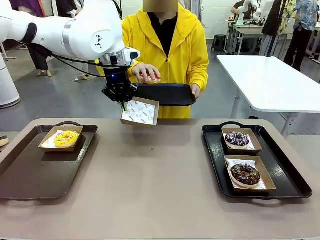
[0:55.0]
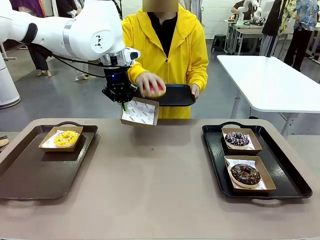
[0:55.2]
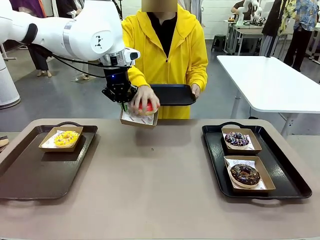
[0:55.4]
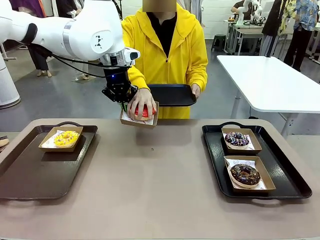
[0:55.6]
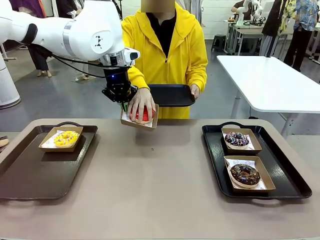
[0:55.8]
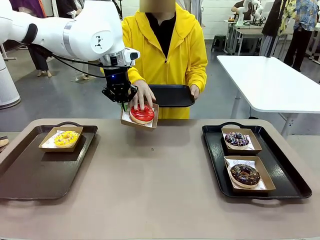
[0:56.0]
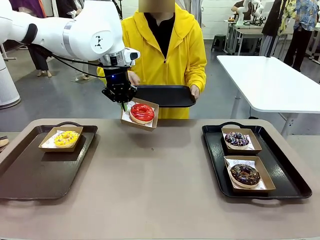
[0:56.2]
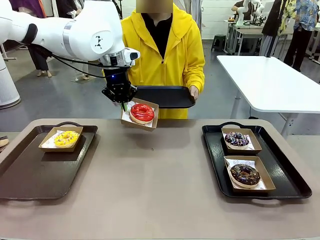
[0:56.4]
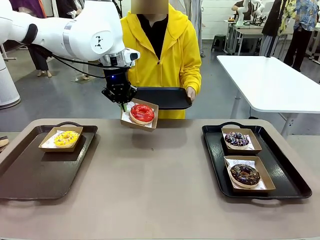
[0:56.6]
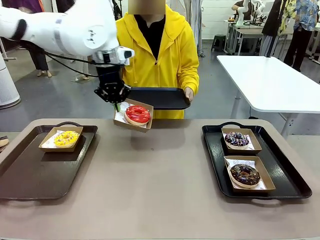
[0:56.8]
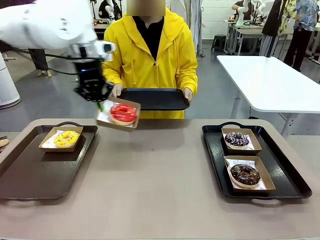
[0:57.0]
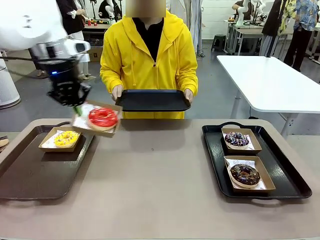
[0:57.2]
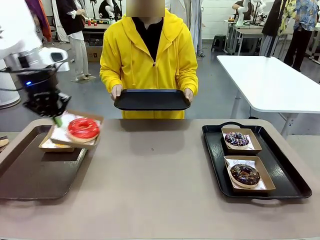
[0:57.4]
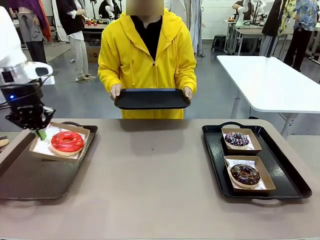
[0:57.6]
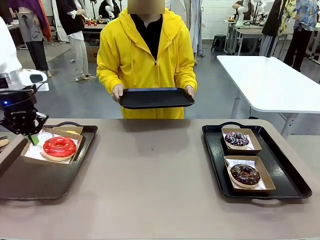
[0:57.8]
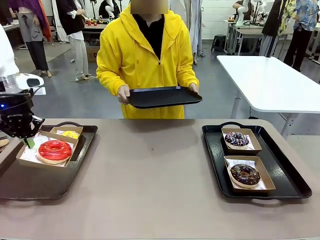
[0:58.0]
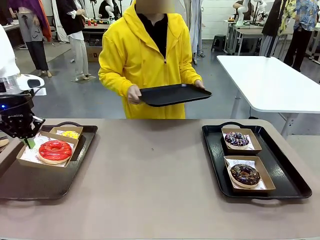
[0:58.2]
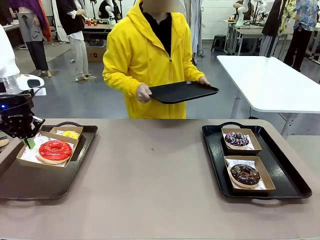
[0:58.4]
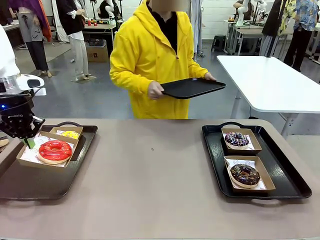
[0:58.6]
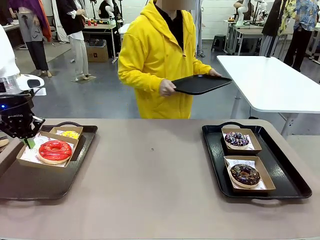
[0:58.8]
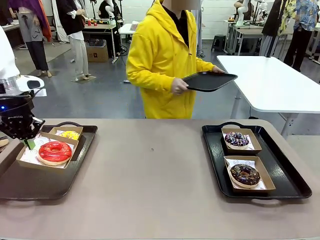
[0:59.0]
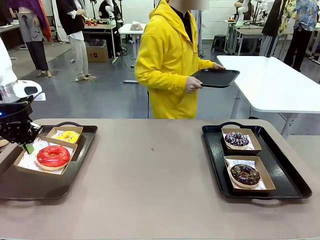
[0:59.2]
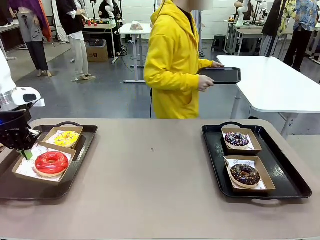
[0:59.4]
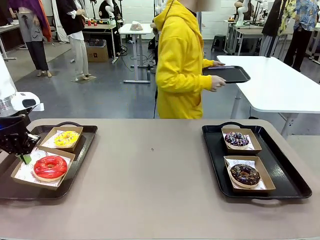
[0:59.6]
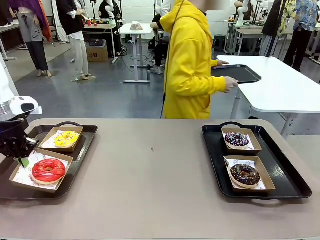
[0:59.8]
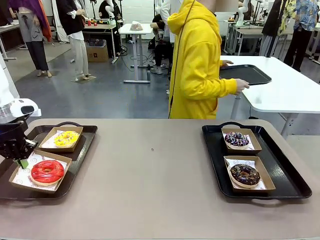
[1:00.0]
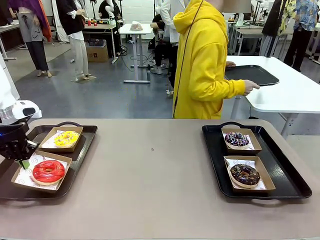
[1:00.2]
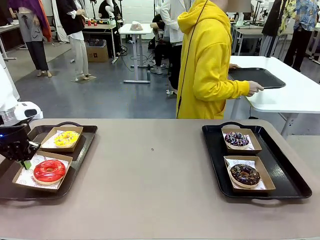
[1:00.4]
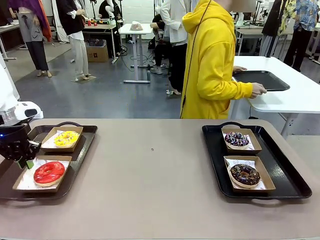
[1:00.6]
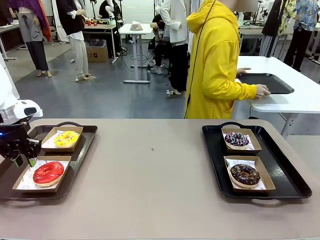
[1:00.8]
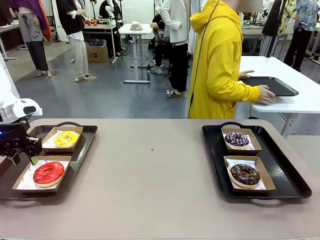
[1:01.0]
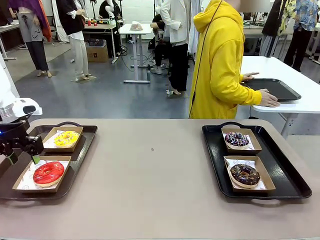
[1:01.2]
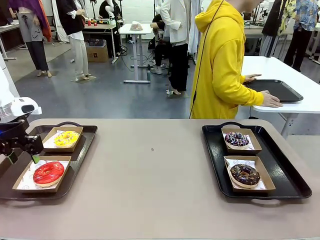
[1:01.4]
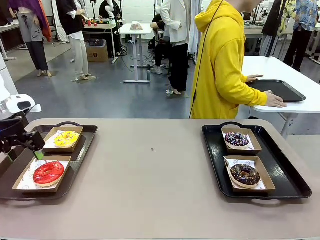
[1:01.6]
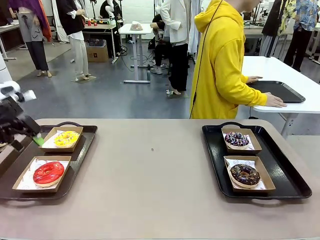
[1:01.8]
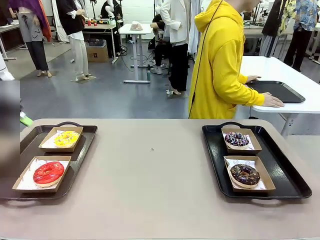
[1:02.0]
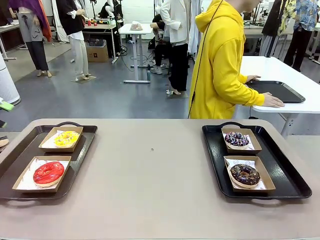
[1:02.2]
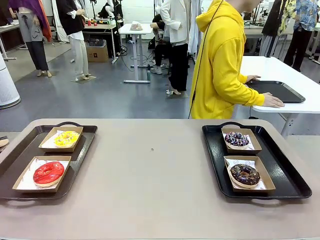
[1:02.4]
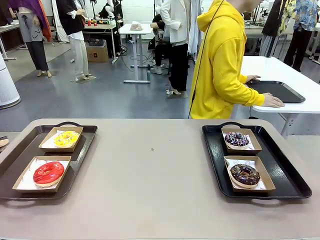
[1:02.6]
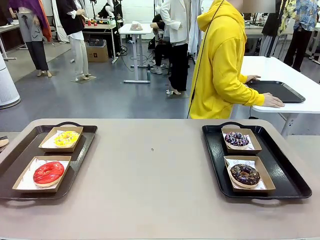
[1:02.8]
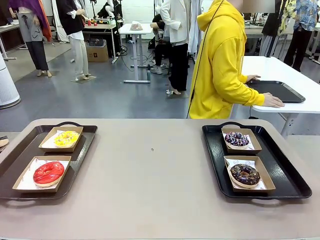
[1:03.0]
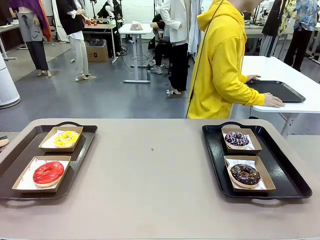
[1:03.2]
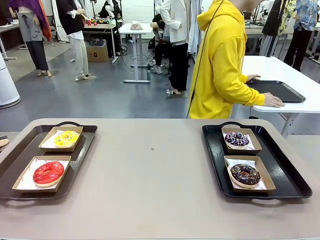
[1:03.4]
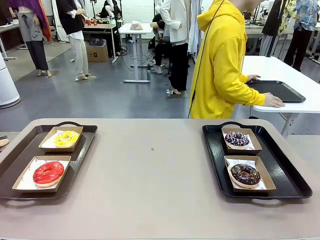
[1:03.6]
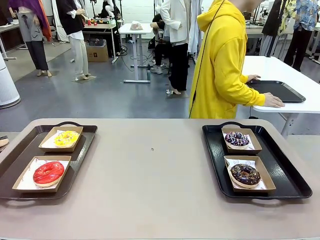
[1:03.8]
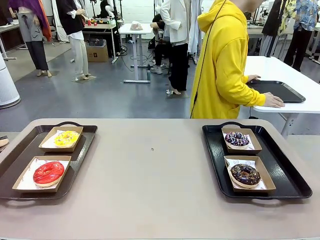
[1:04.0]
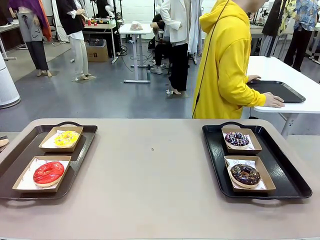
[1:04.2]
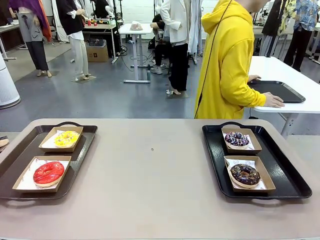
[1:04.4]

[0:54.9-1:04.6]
Task: Individually package the donuts and arrange them on the tray.
Robot: Place the picked Paper togo box on the Handle tray.
Person: Place the tray down in the middle of the human table.

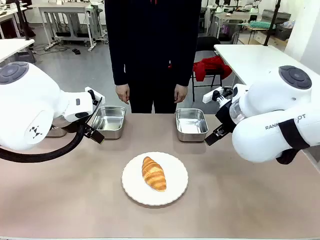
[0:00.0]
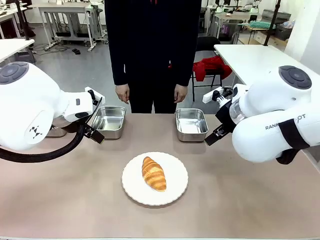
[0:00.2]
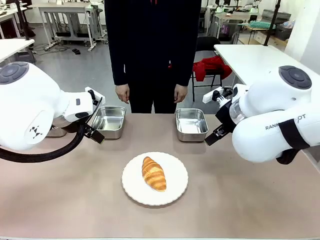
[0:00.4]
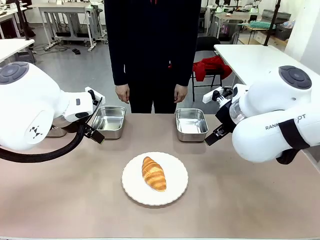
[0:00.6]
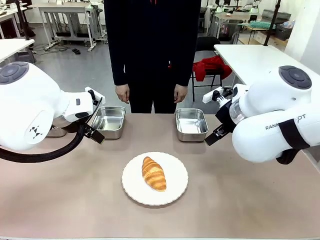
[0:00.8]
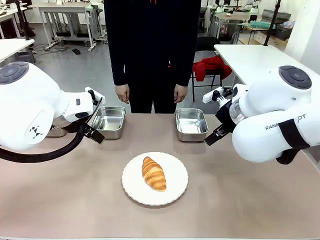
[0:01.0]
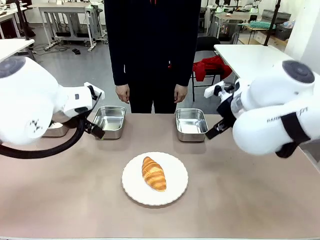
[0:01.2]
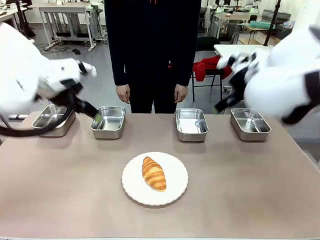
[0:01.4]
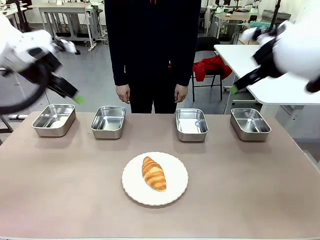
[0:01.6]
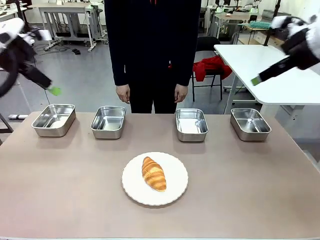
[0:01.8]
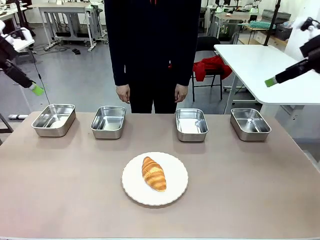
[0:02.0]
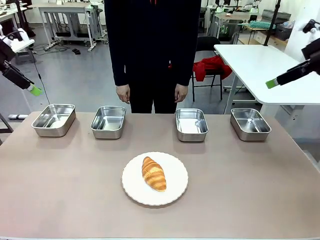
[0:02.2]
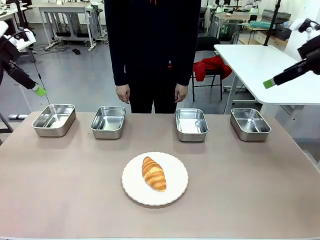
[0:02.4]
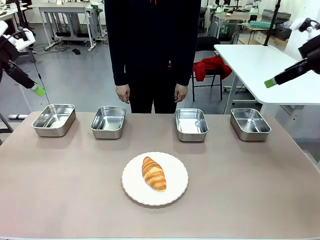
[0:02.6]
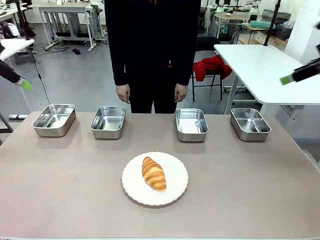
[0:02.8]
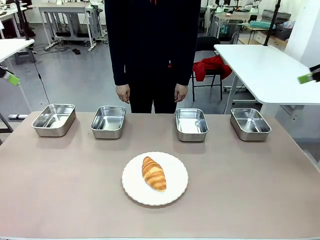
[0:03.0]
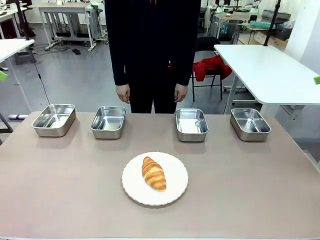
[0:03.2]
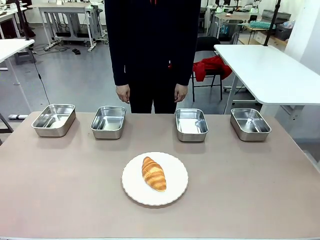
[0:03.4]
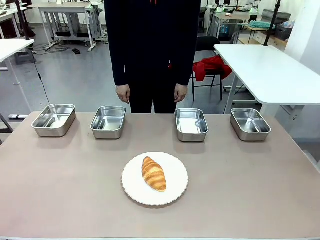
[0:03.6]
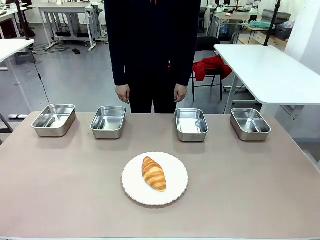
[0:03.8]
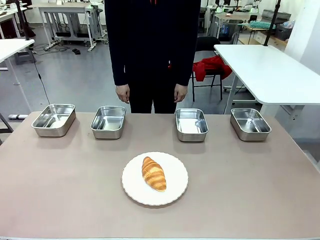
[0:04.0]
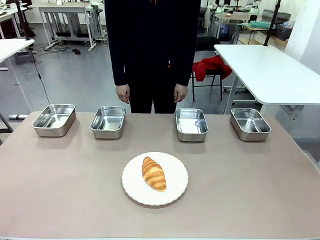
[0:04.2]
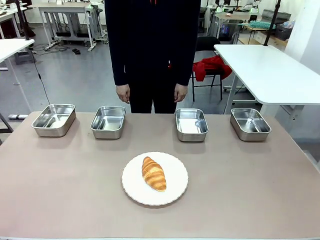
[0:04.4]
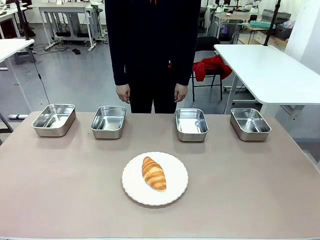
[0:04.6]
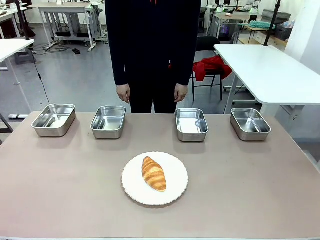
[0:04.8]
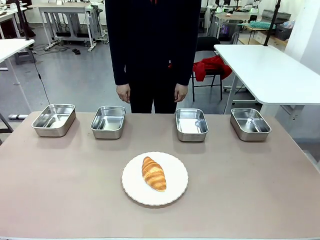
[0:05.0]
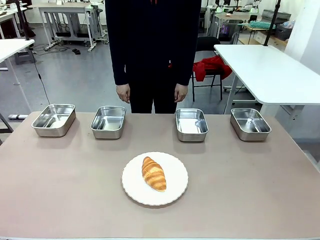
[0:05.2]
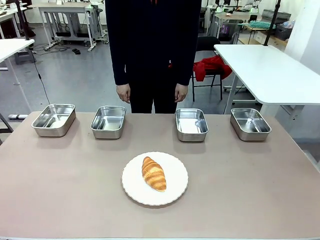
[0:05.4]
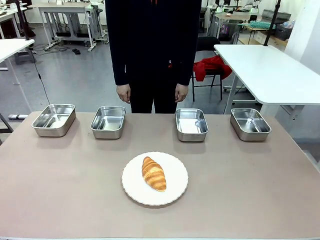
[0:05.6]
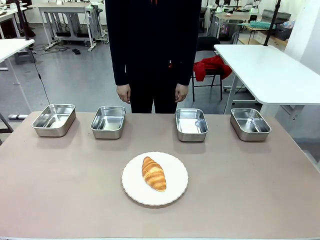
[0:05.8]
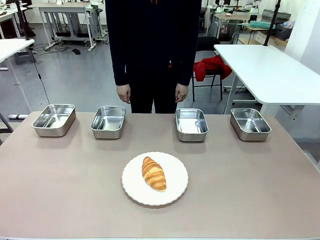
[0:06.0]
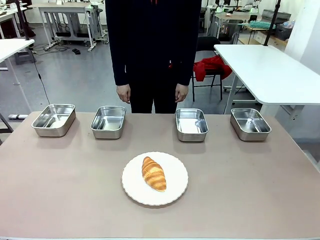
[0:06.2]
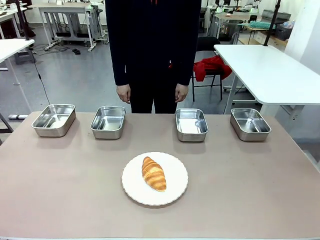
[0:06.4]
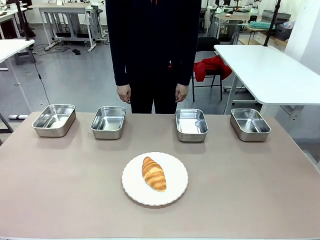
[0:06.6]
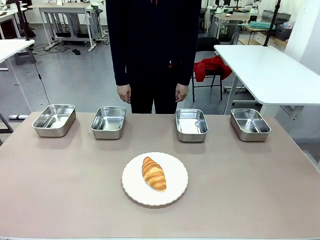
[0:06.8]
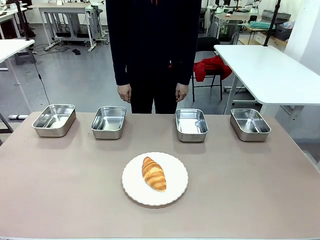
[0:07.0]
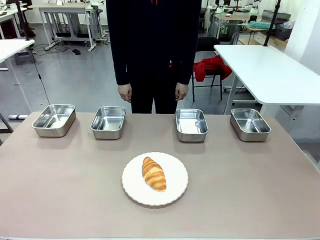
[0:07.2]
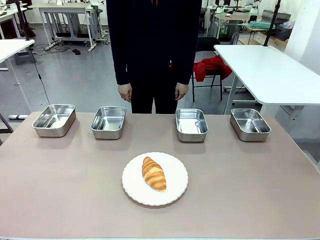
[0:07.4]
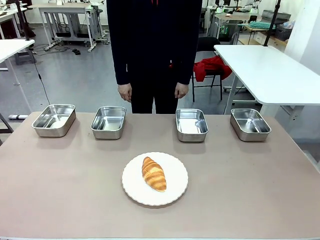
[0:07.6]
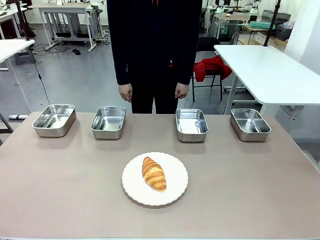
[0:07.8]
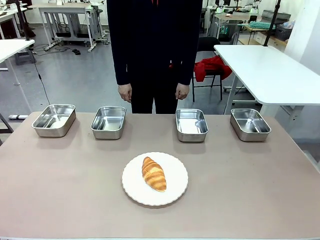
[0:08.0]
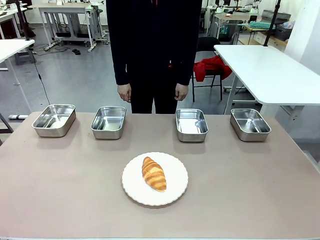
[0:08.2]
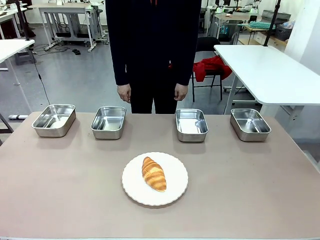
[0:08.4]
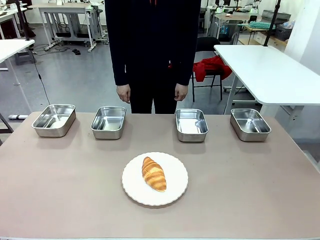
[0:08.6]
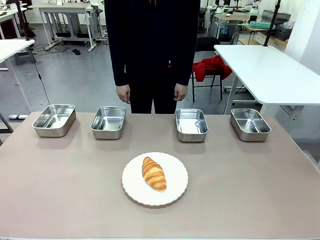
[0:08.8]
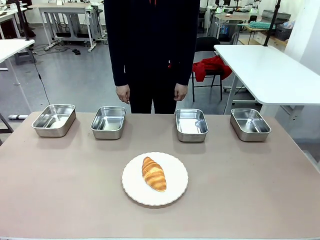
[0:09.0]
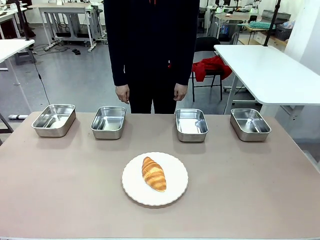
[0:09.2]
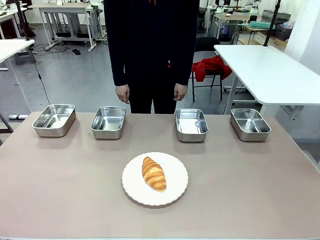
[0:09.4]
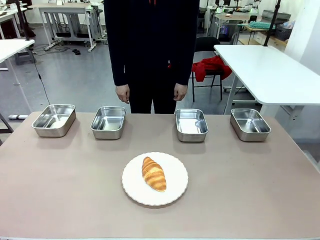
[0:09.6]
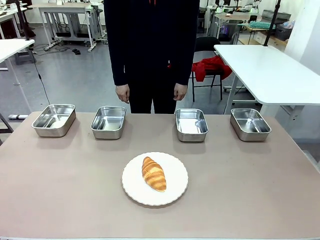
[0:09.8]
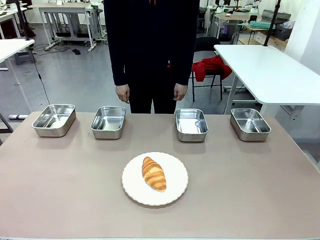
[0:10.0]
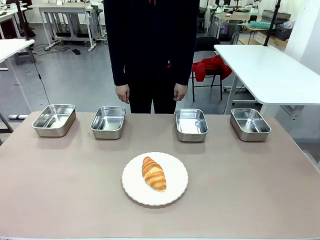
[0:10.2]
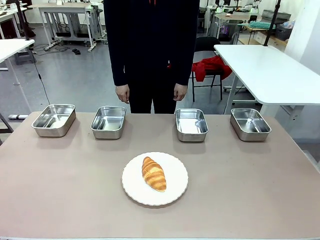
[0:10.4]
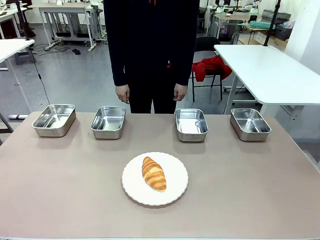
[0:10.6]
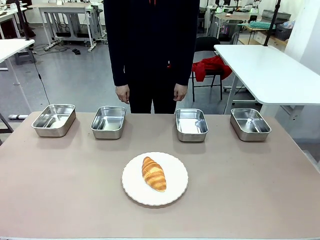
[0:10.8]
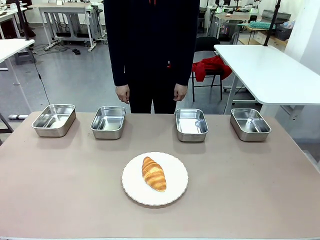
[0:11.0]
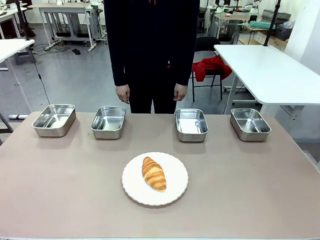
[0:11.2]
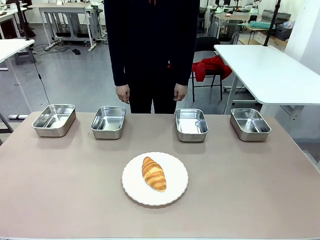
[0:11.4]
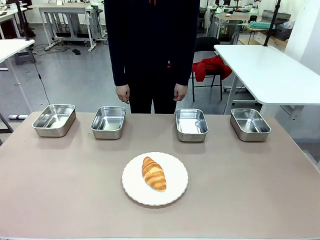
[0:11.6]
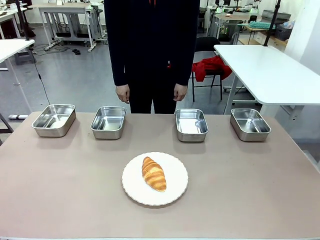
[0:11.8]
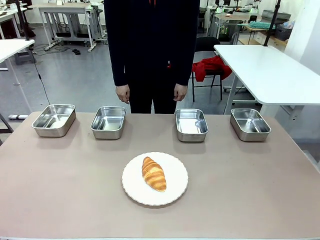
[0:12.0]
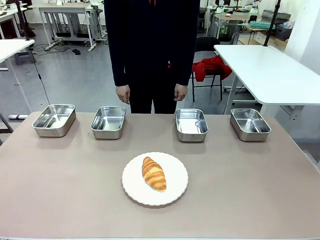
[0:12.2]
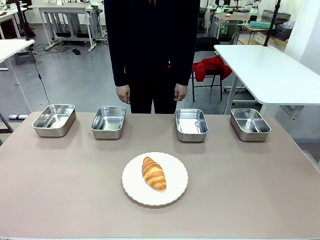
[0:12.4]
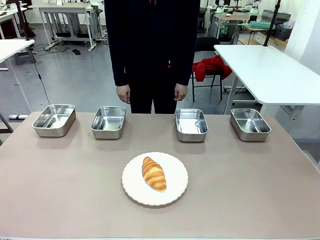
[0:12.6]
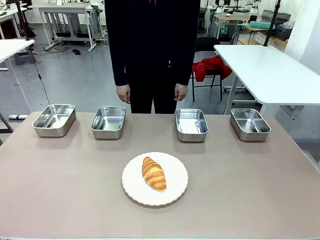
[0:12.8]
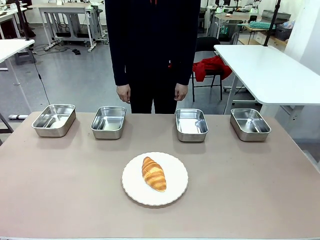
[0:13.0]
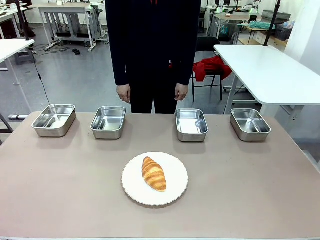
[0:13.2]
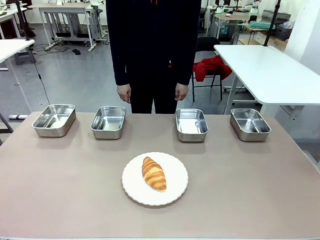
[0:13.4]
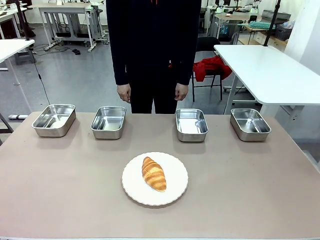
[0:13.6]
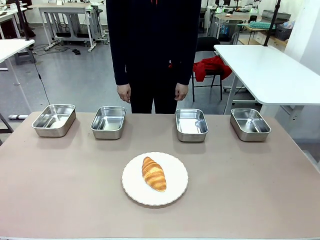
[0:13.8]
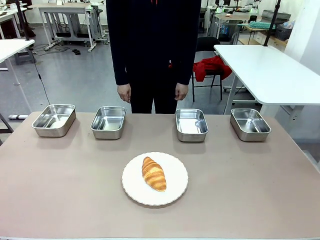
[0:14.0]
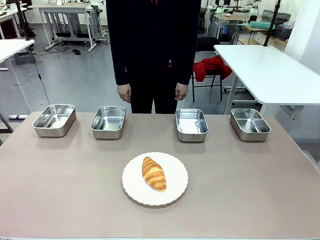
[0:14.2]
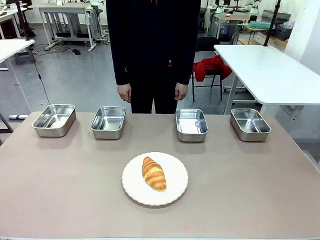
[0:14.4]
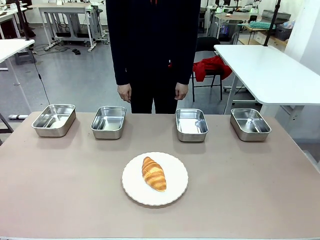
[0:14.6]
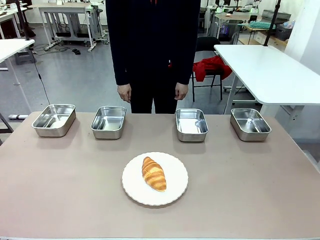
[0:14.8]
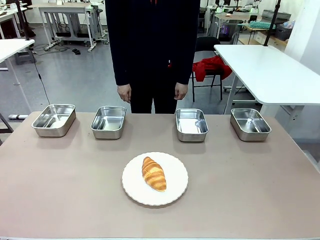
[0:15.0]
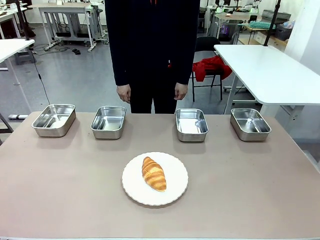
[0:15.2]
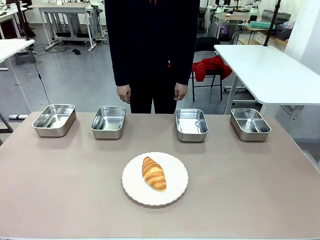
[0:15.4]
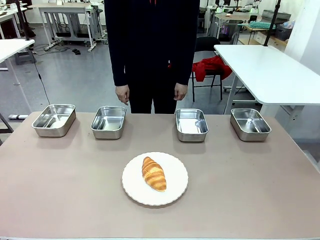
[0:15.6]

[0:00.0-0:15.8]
Task: Place the bread in the container.
Robot: Place the Butter Roll into the Airtight Container indicated by the human.
